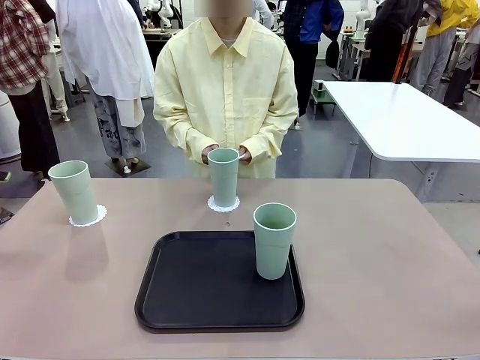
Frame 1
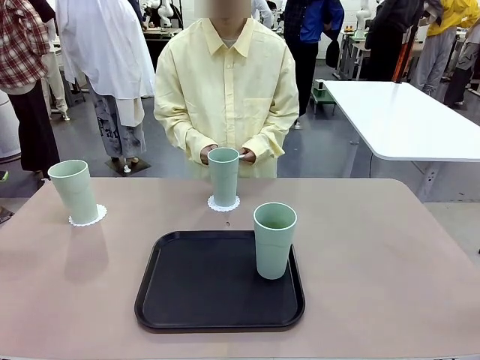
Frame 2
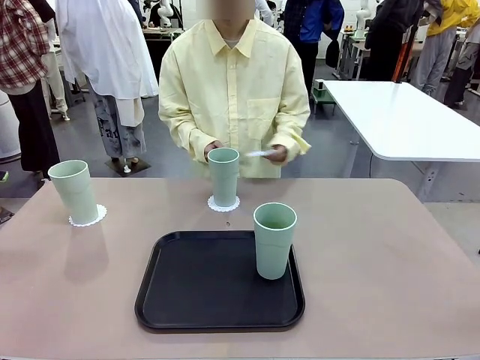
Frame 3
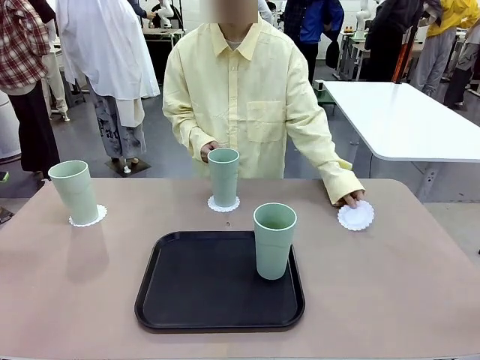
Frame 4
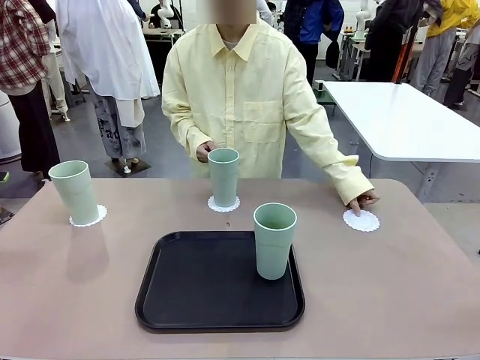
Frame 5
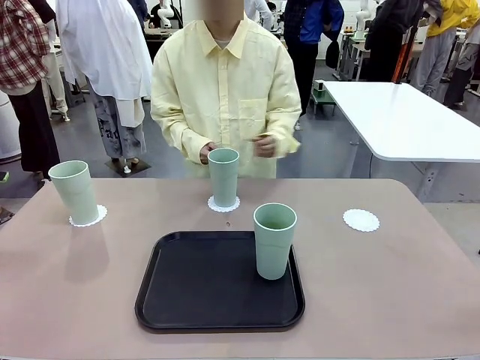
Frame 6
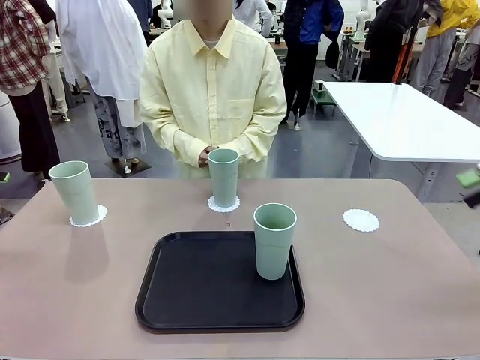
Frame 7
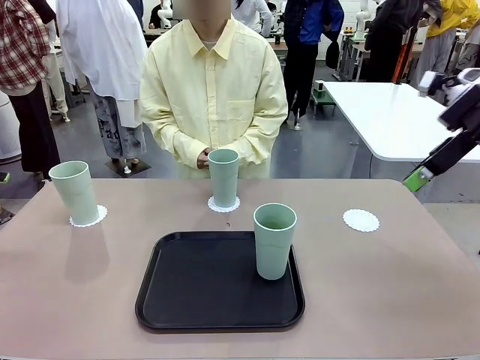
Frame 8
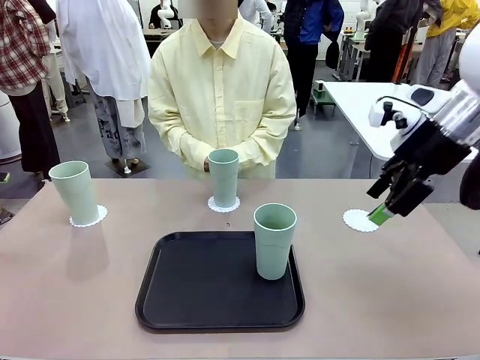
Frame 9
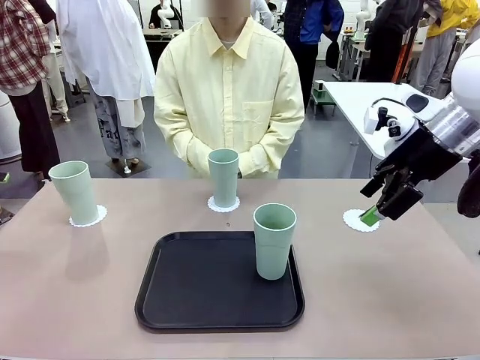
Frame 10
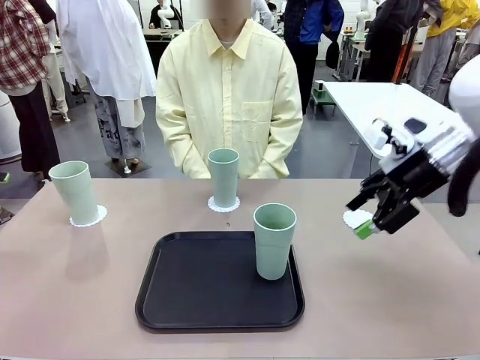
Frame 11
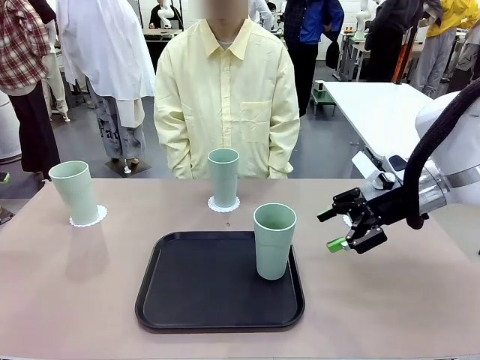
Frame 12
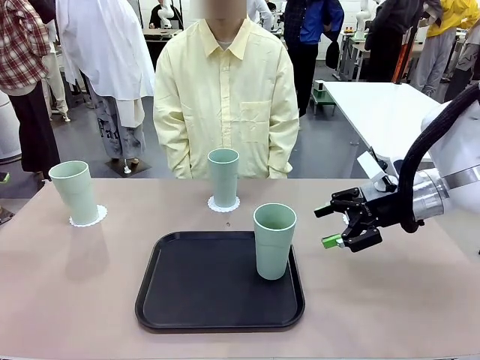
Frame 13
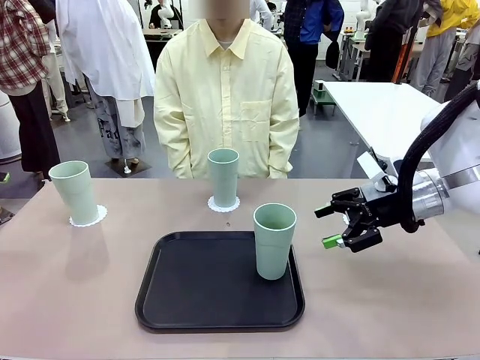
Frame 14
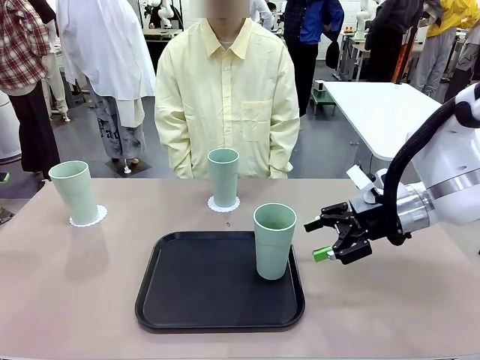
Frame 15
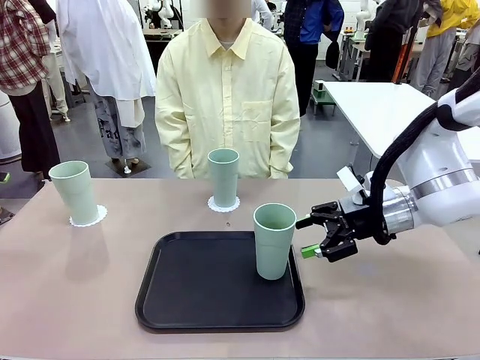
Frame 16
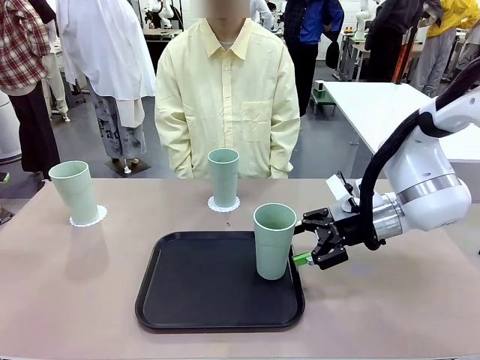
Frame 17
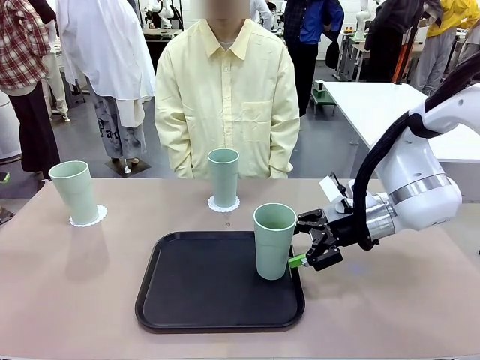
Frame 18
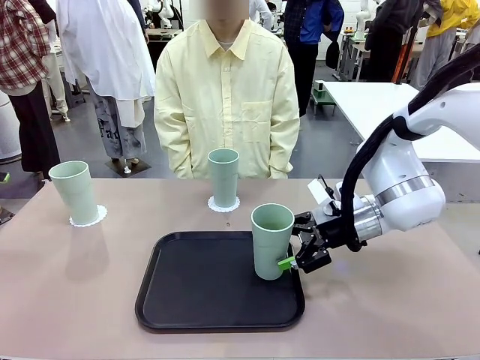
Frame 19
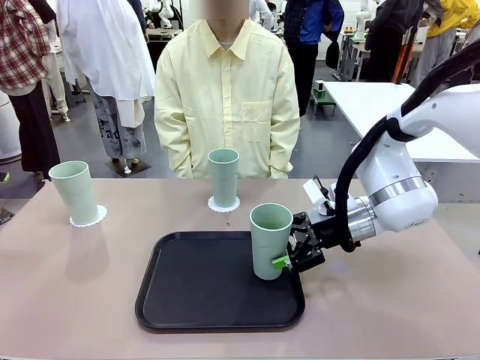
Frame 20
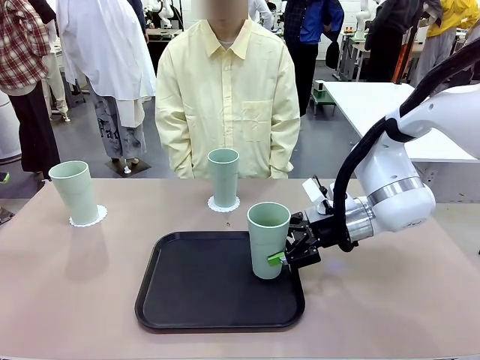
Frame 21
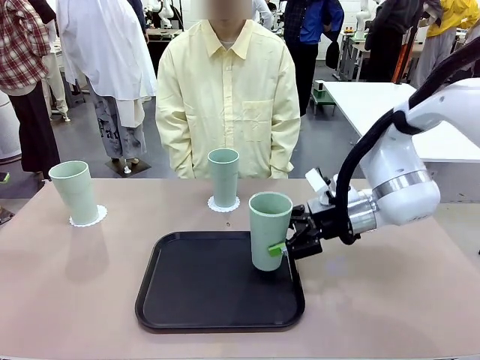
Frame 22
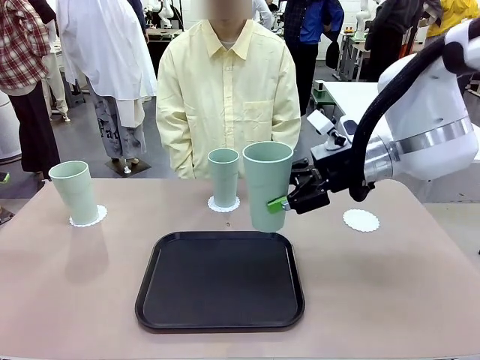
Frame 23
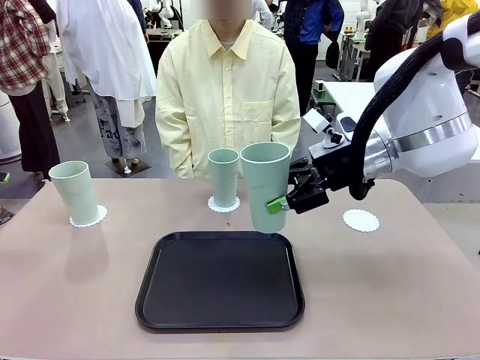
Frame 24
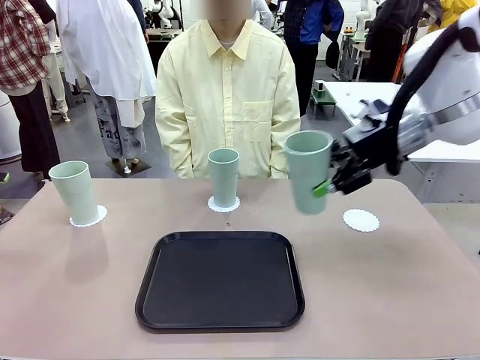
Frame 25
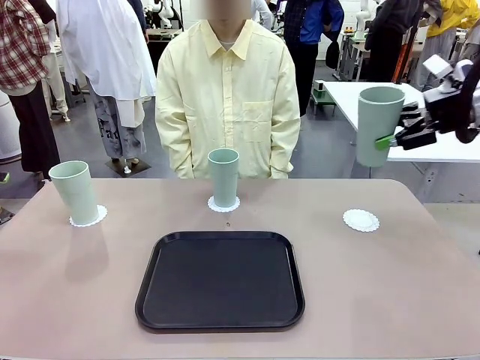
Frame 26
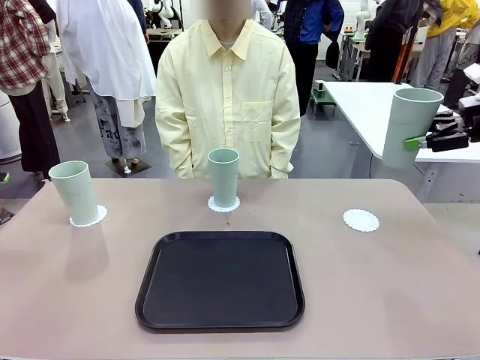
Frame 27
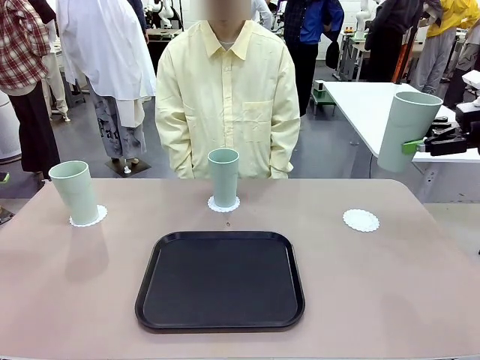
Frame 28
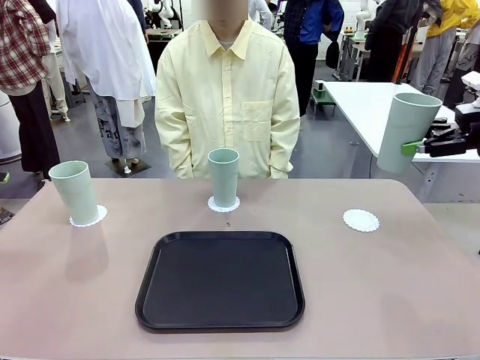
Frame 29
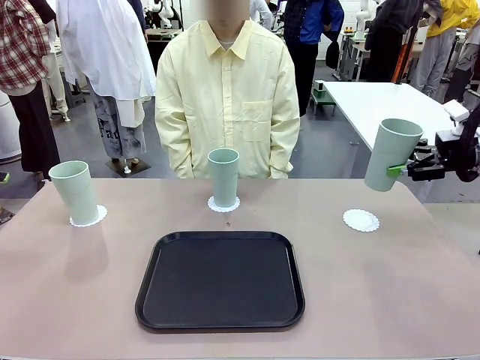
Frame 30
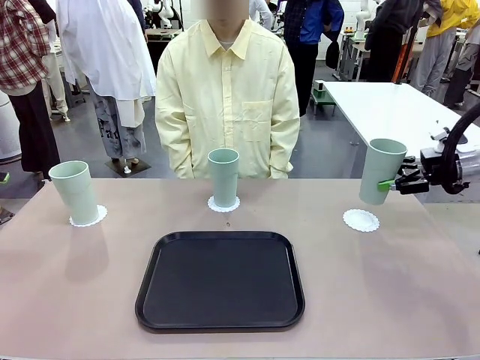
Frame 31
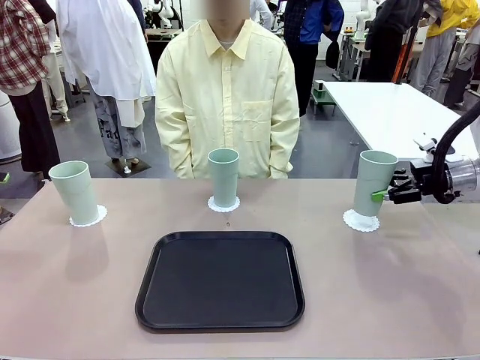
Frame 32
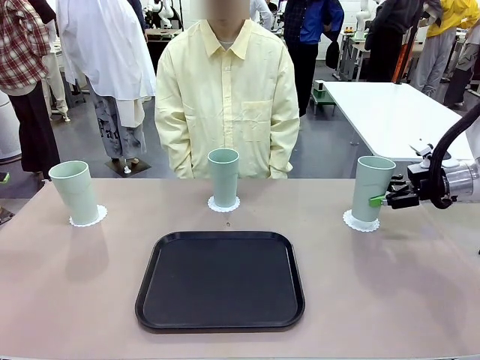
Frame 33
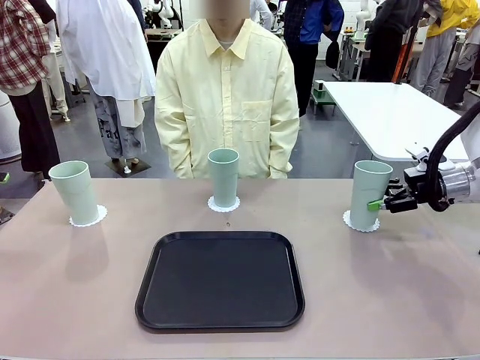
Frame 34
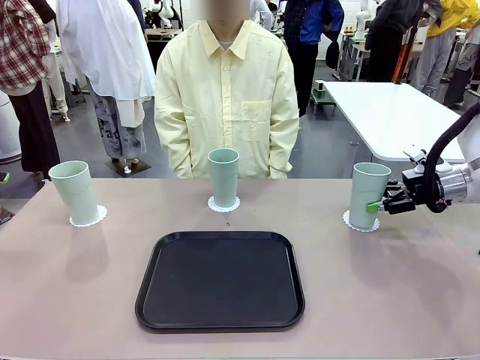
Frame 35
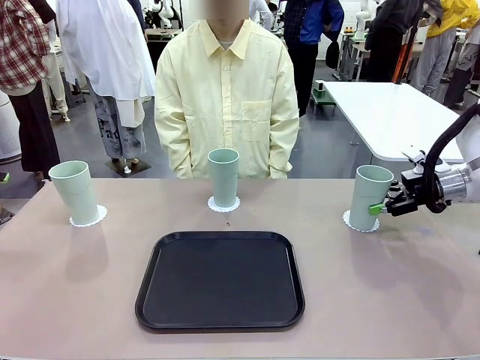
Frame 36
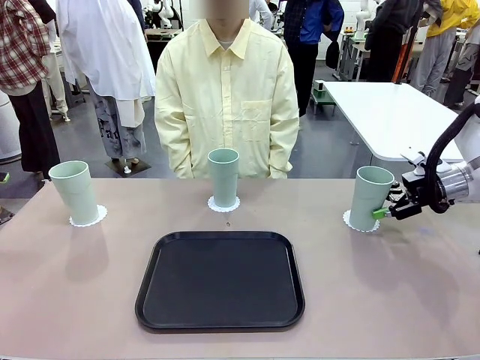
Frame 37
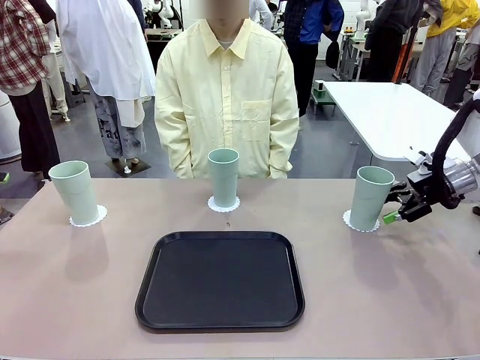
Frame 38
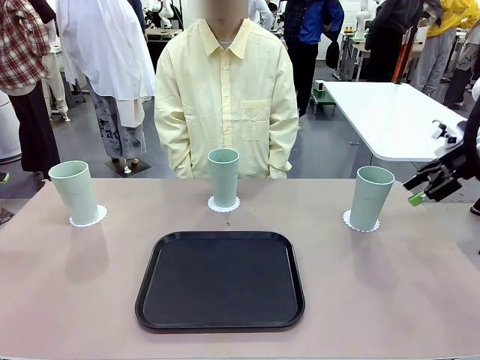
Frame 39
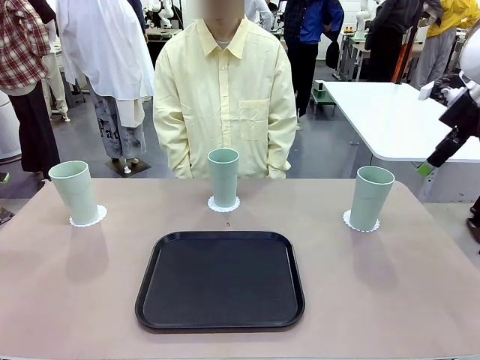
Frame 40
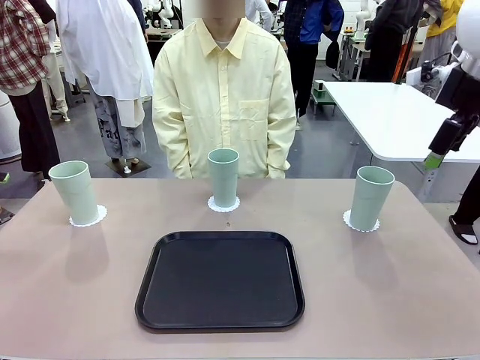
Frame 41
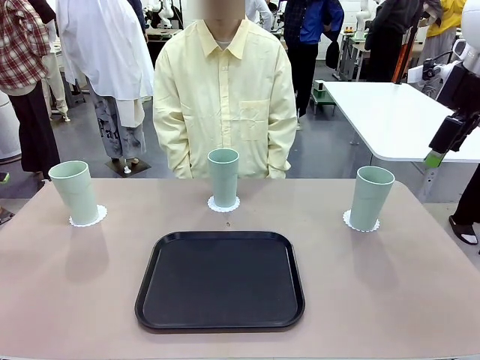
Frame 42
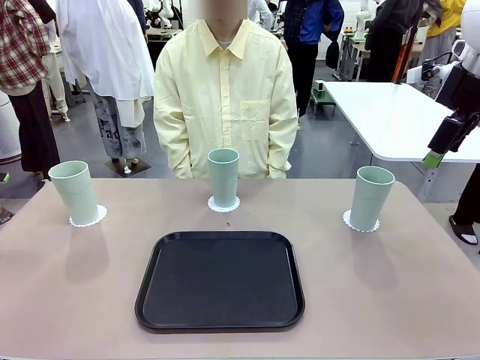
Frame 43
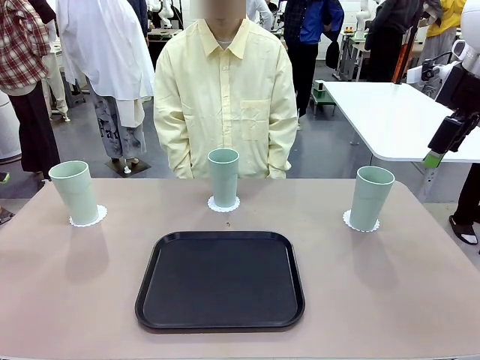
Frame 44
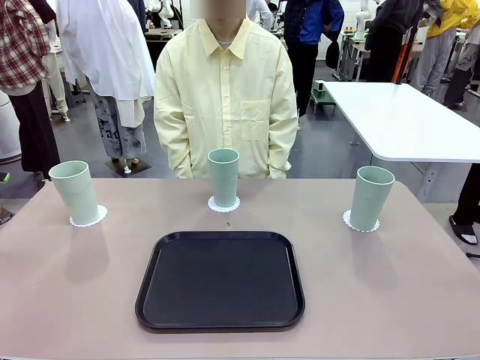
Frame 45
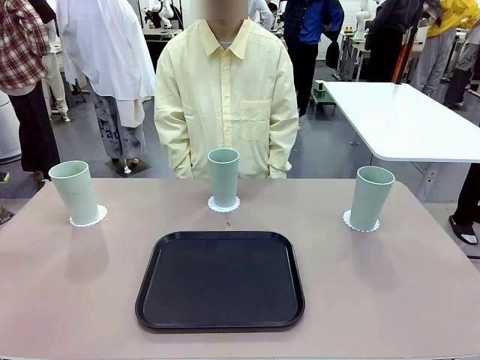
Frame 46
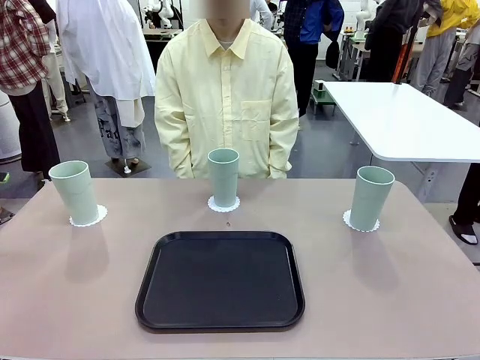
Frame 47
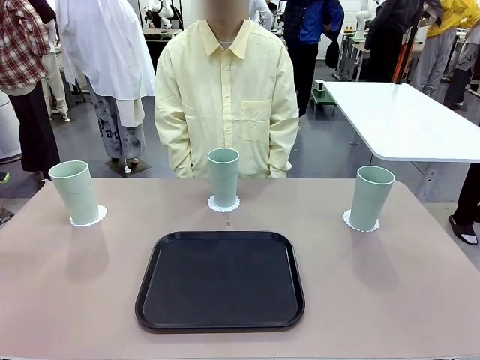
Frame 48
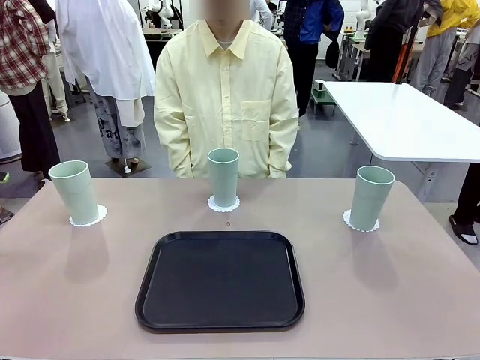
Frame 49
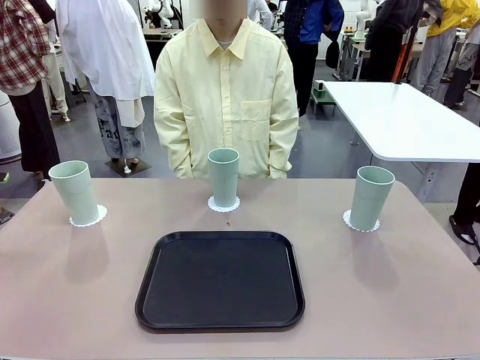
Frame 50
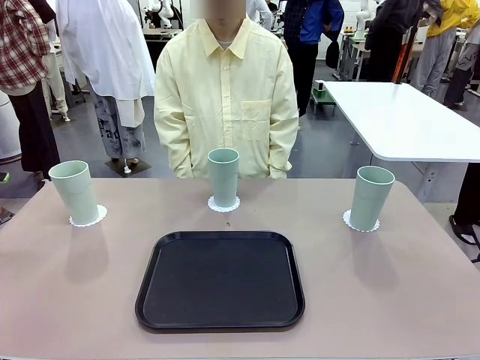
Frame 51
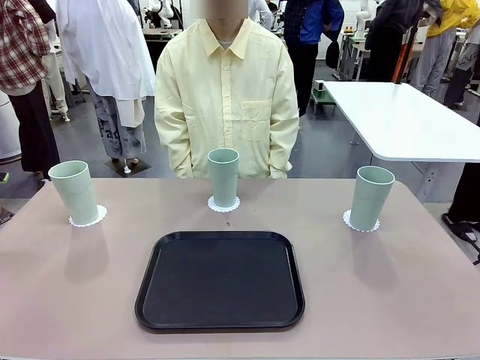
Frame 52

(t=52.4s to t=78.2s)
Task: Place coasters on the table and set cups on them.
Robot: Take one Reusable plastic cup from the Flat Tray and place it on a coaster set by the human.
Person: Place one coaster in the only remaining area.
